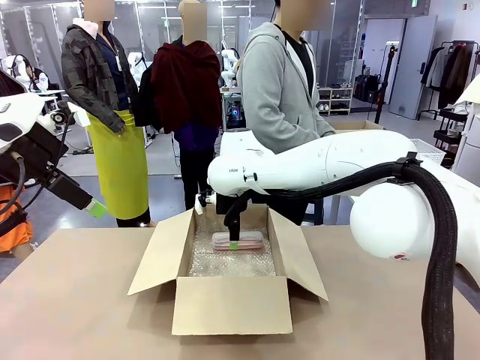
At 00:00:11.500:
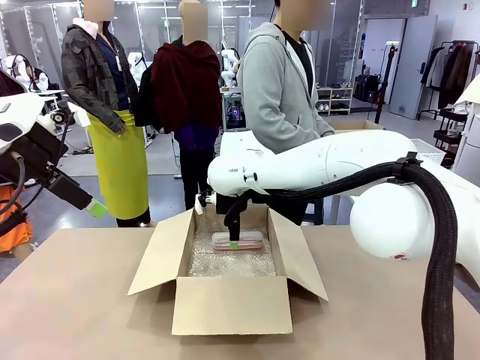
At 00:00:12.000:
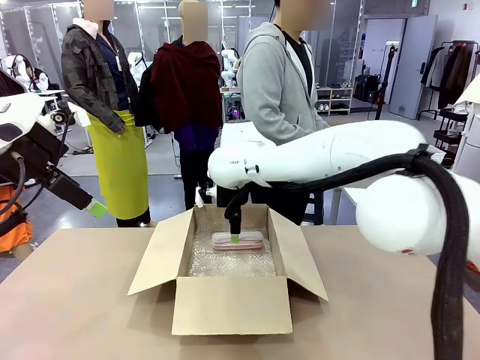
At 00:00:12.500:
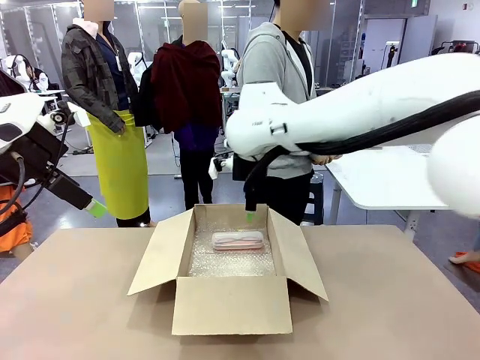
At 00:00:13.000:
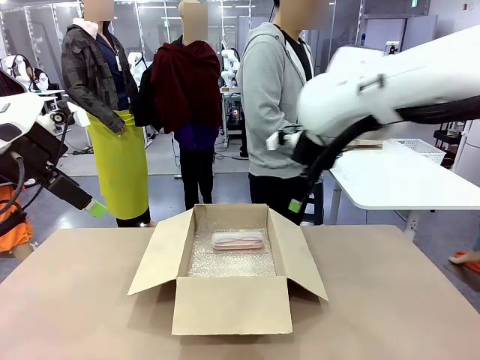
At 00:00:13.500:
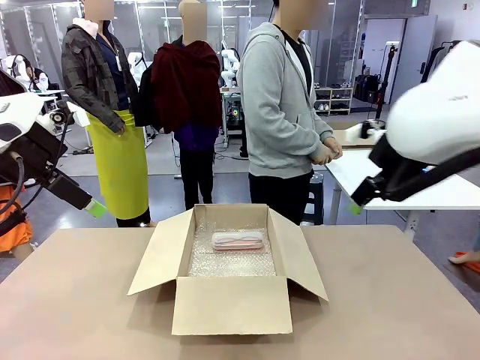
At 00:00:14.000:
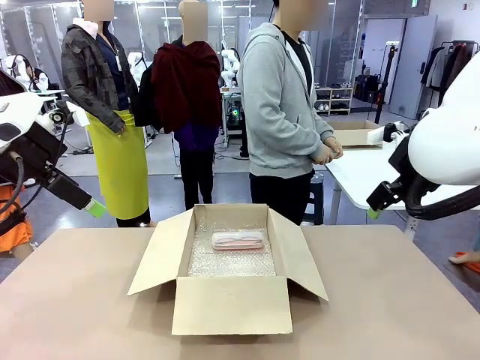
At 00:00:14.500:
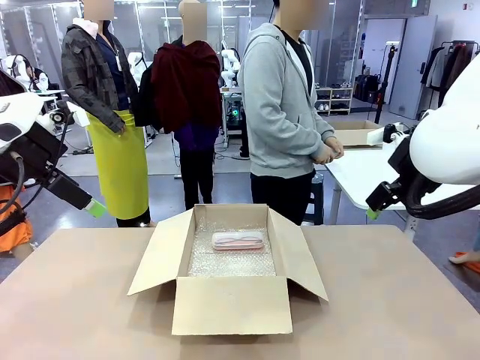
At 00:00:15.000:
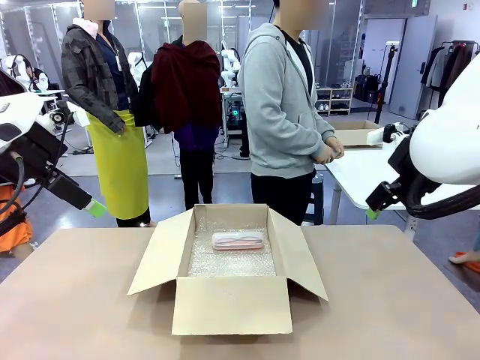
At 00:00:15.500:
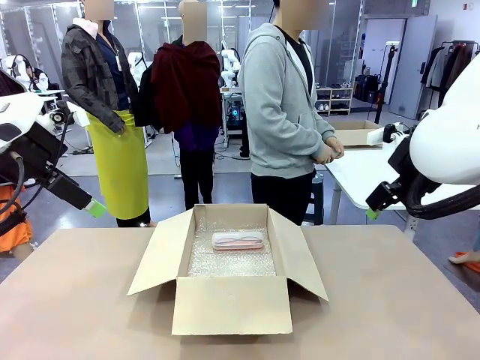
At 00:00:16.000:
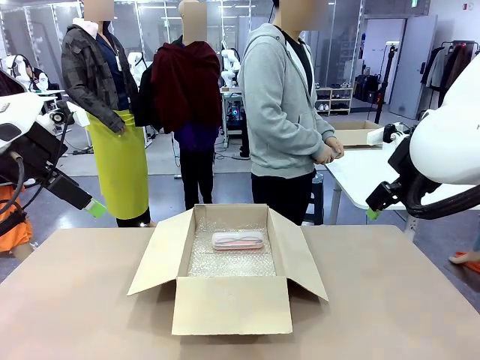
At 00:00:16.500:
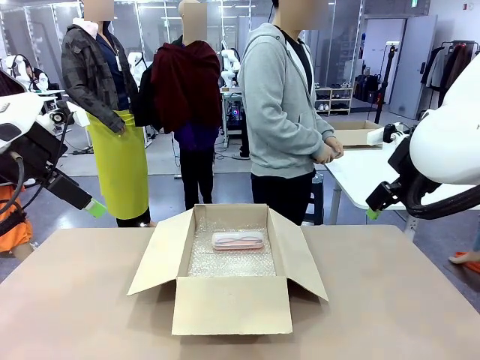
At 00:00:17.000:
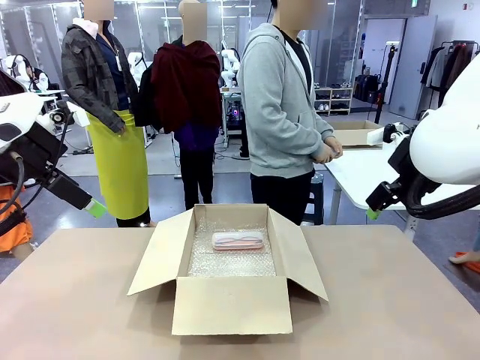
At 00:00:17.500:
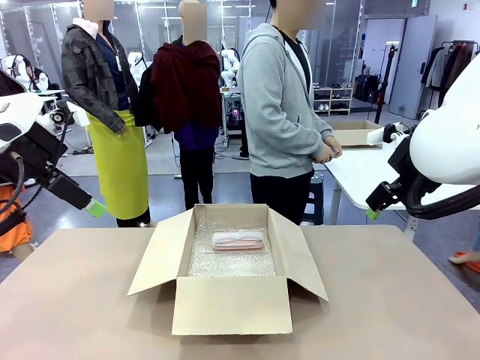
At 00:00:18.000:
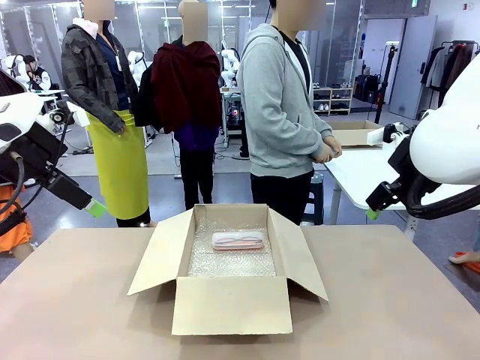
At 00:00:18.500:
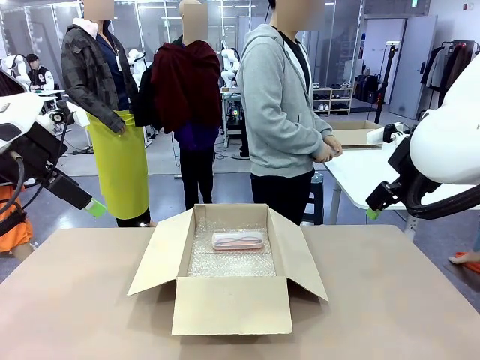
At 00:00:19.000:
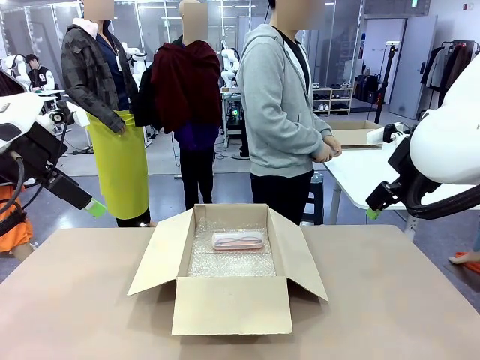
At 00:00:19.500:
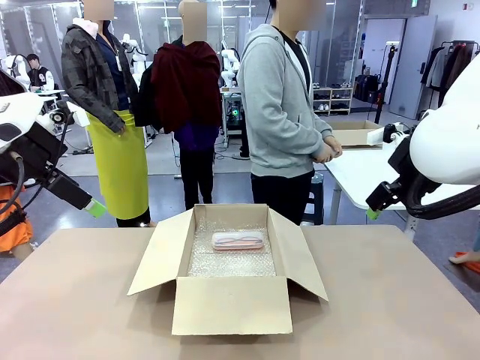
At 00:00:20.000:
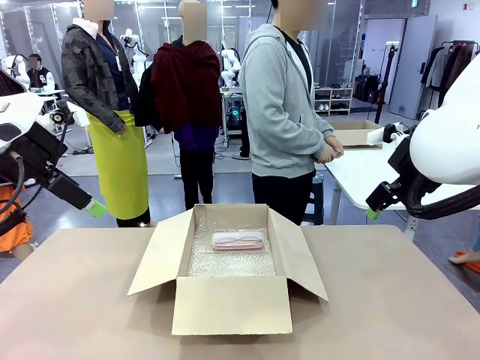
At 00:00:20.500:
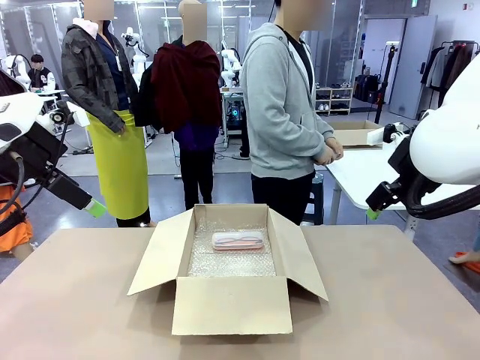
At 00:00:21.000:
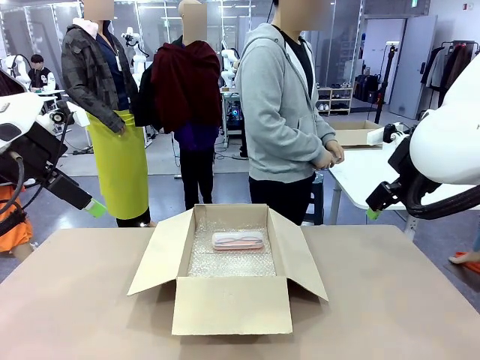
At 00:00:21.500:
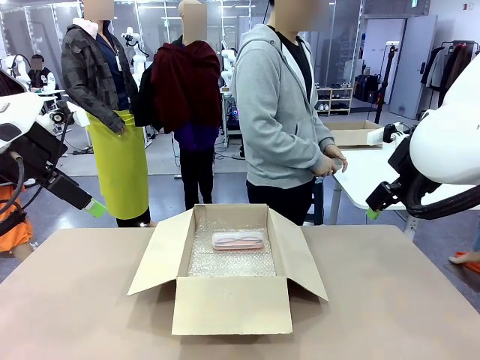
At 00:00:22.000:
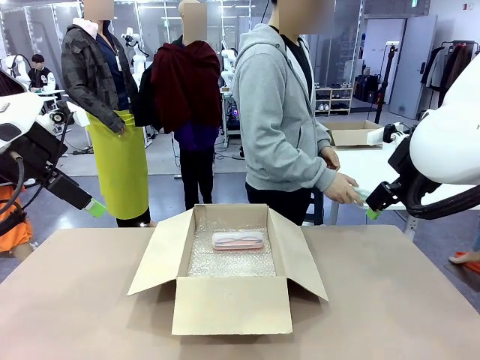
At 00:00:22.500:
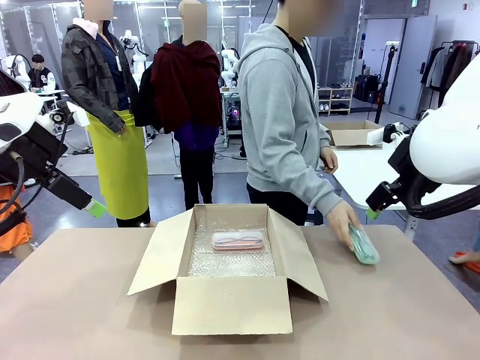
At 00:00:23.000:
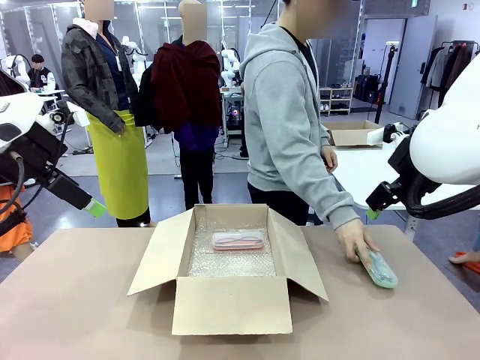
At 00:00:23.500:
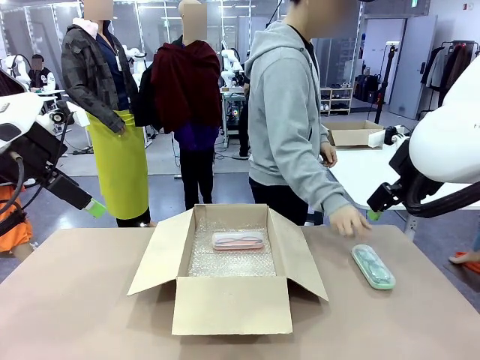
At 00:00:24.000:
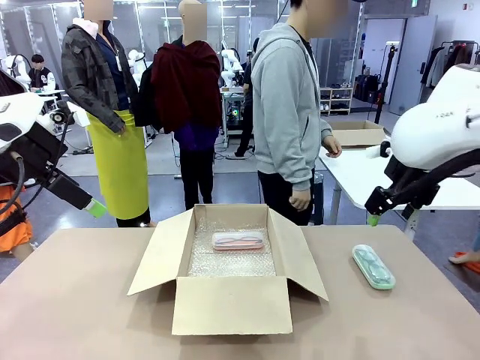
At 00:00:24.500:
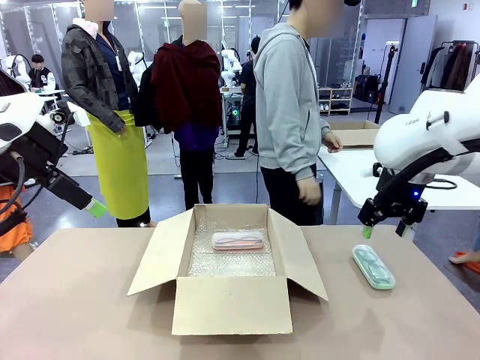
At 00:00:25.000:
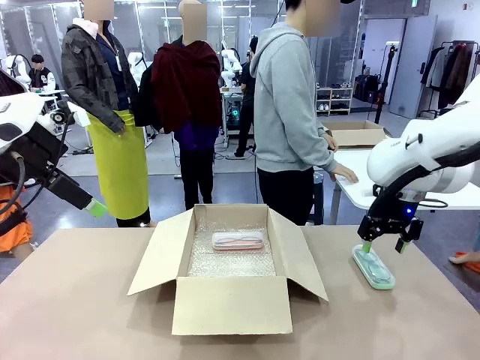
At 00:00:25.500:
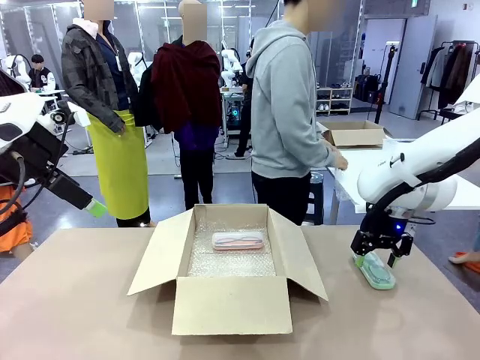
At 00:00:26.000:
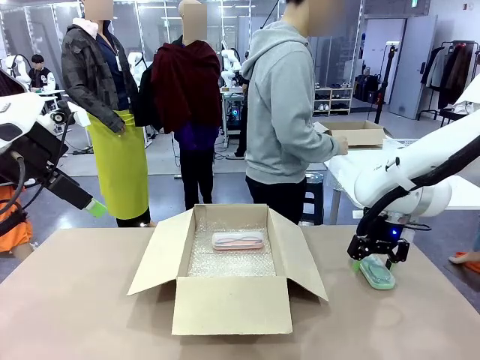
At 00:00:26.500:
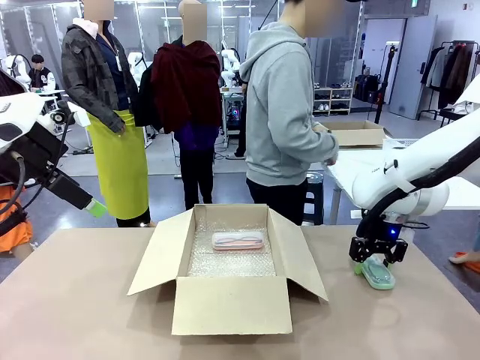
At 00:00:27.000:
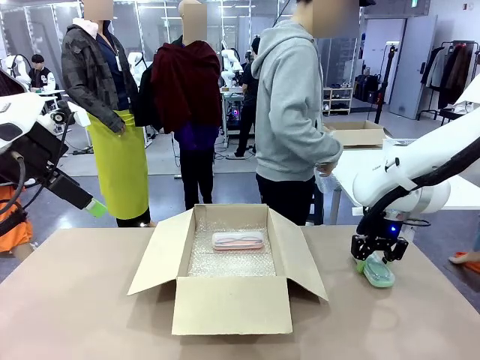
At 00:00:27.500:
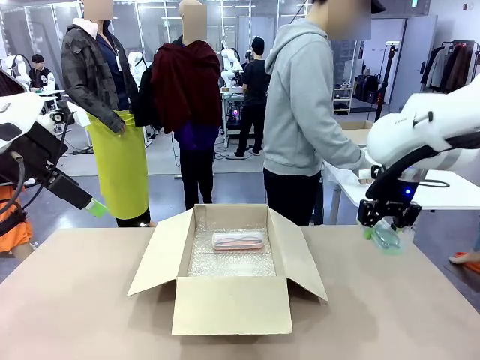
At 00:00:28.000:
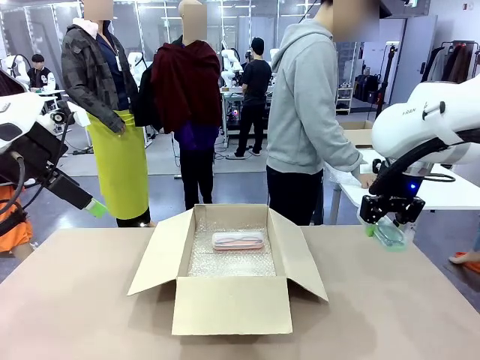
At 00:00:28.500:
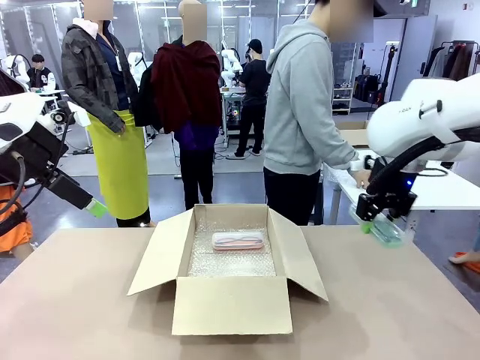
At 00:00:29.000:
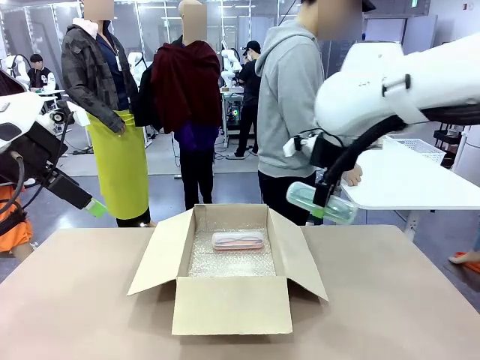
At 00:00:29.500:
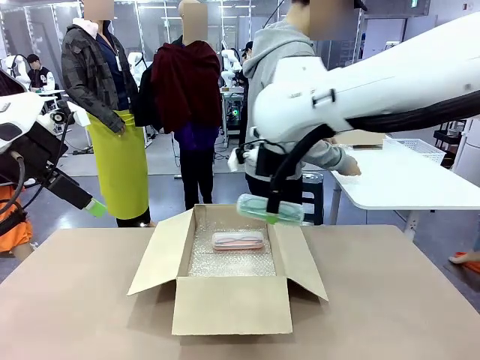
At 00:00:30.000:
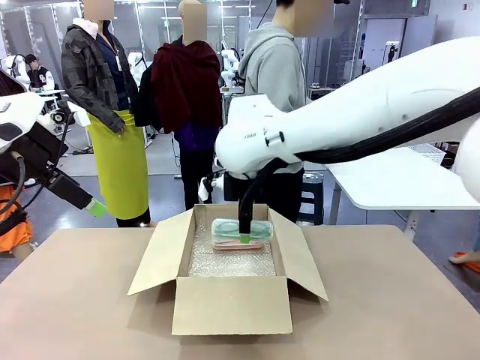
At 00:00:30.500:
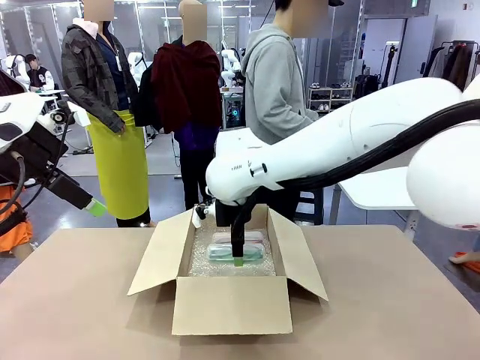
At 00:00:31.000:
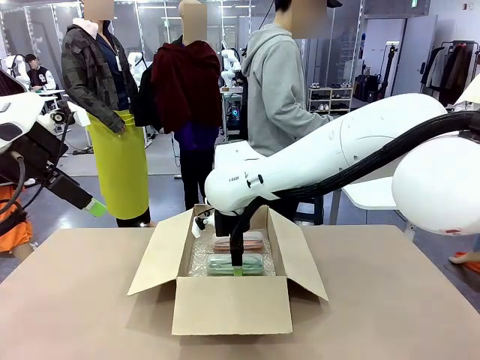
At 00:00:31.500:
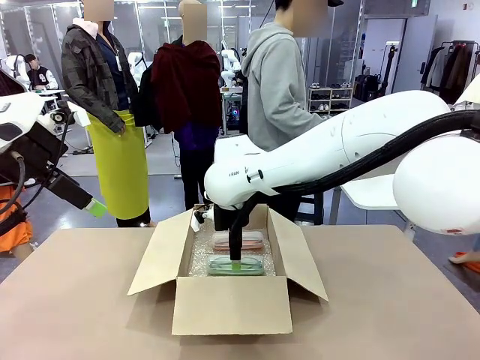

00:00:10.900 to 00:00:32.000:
Task: Pack the glasses set securely to prepare it for shipping.
Robot: Put the Glasses case from the right side of the table into the Package Box.
Person: Position the Glasses case on the left side of the robot's table.

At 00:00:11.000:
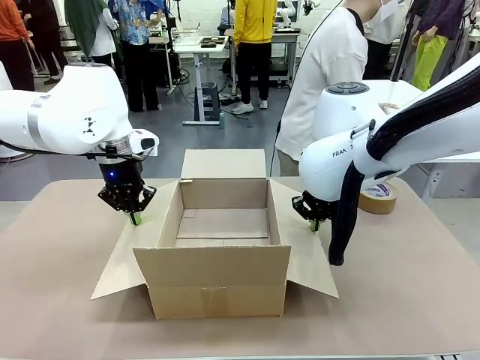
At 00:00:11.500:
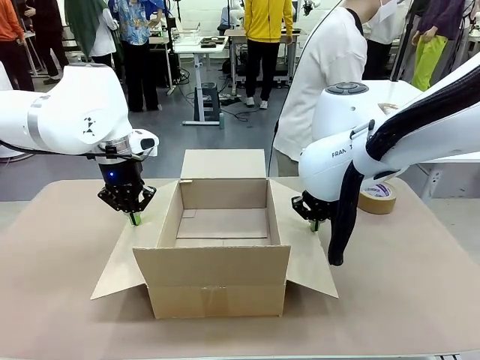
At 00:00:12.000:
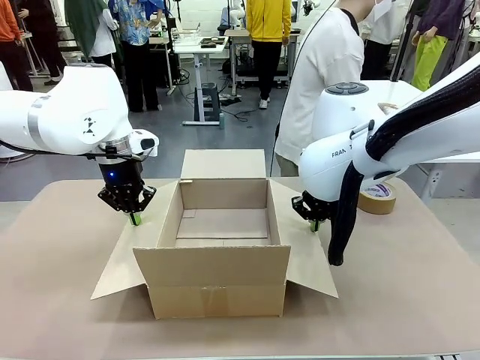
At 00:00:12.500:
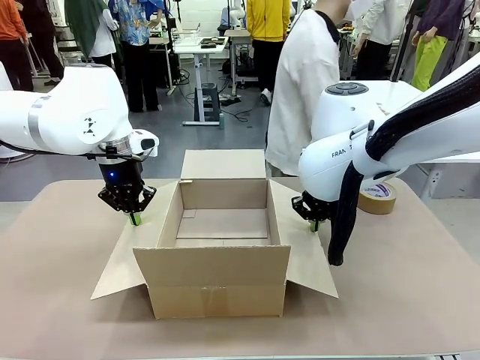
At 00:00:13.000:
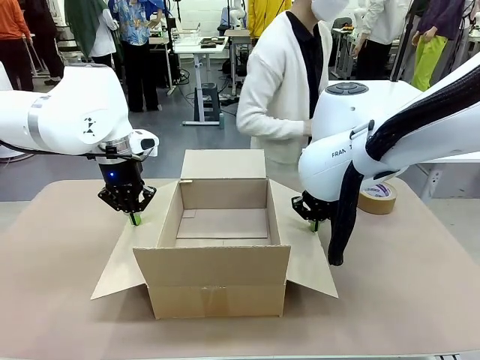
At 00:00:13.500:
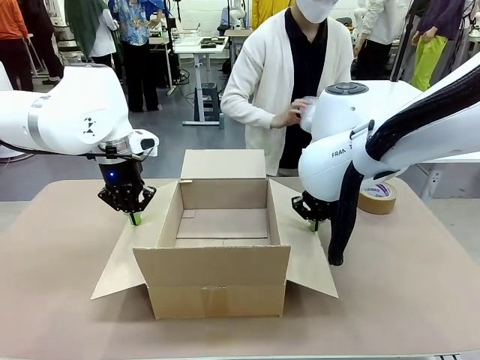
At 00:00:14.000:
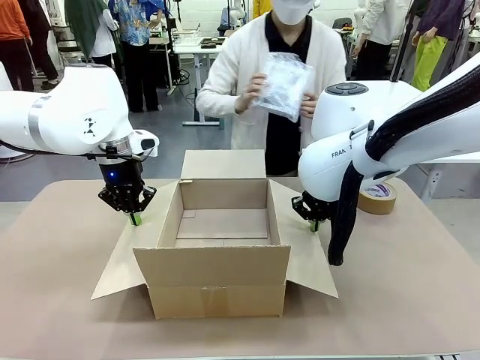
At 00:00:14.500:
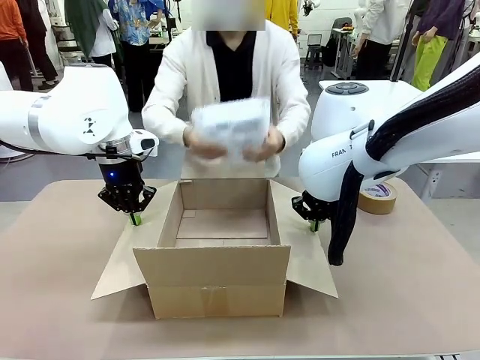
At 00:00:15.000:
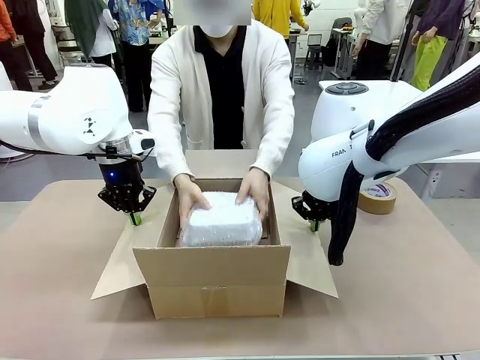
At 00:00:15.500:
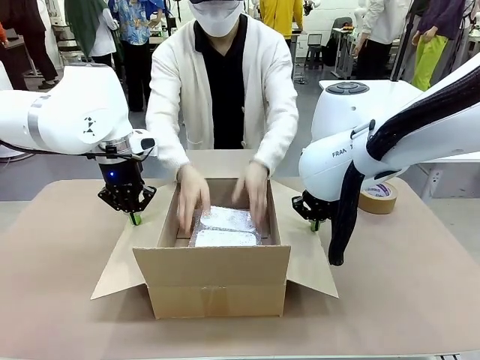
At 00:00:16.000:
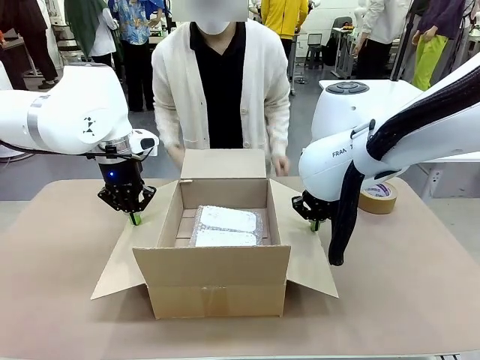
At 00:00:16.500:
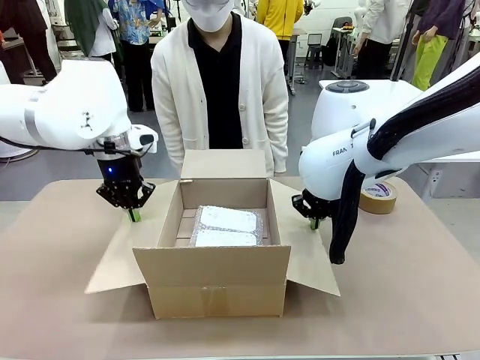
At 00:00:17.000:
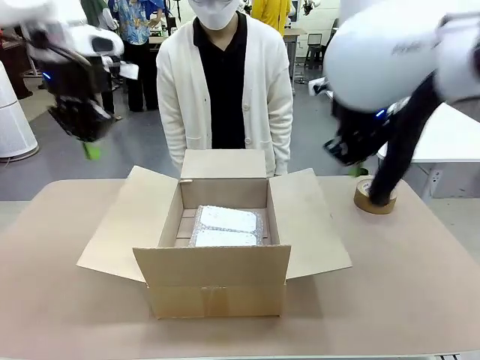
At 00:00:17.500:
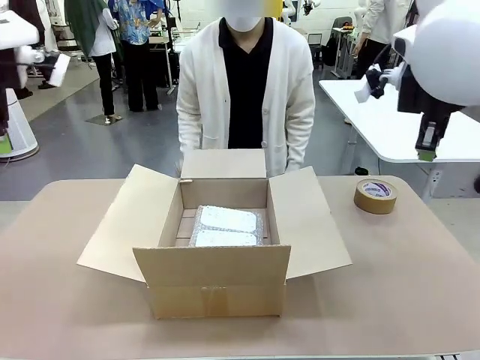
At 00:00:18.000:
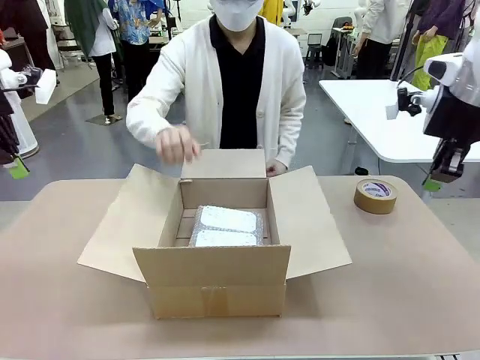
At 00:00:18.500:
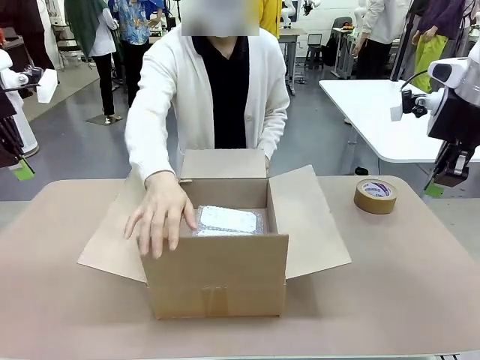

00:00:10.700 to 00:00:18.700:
Task: Wrap the clocks to prevent damage.
Robot: Once the human has placed the objects inside and stepped back, release both hands from the side flaps of the Package Box.
Person: Place the wrapped Digital clocks inside the Package Box.
